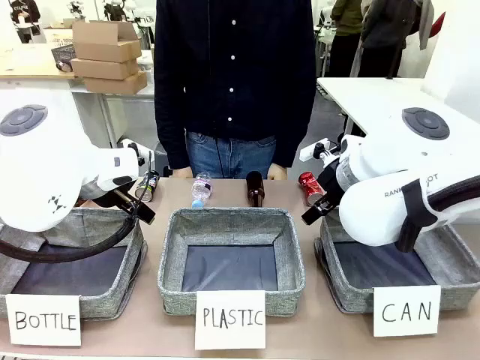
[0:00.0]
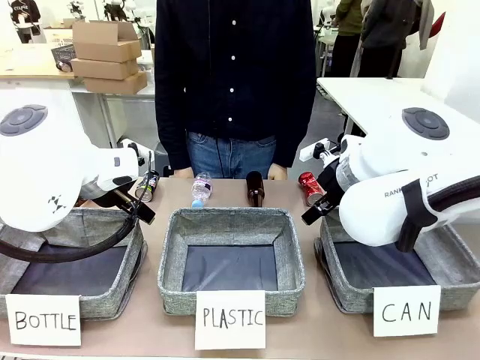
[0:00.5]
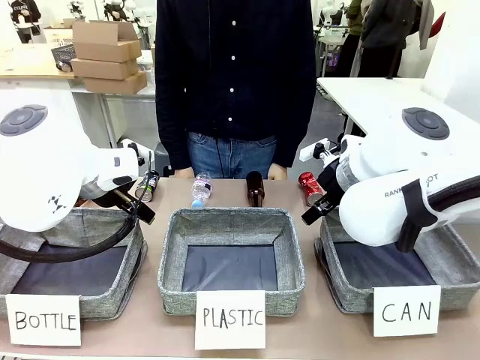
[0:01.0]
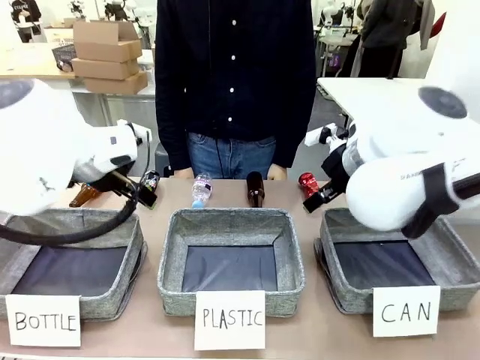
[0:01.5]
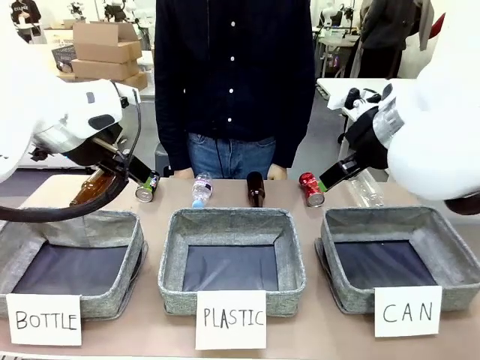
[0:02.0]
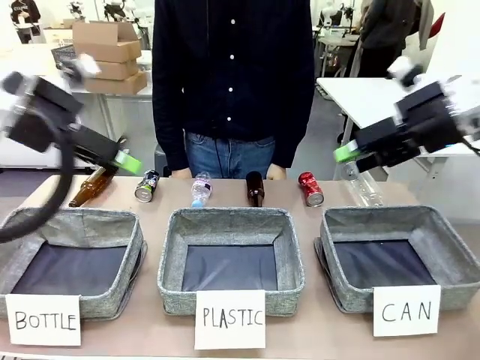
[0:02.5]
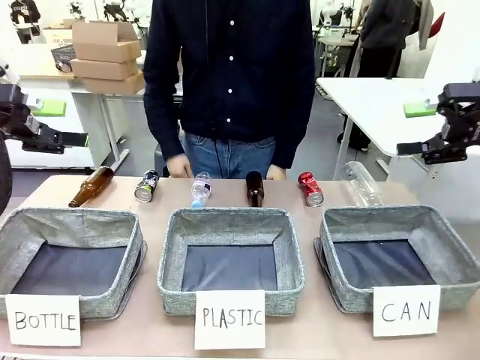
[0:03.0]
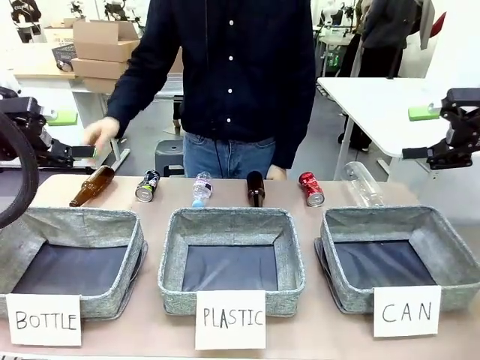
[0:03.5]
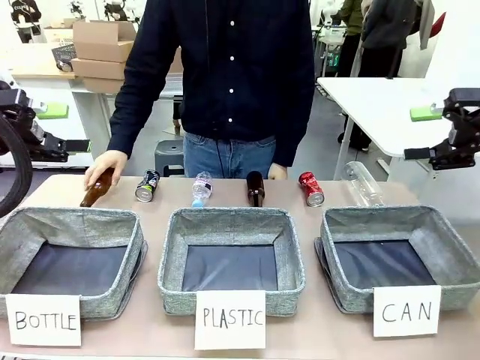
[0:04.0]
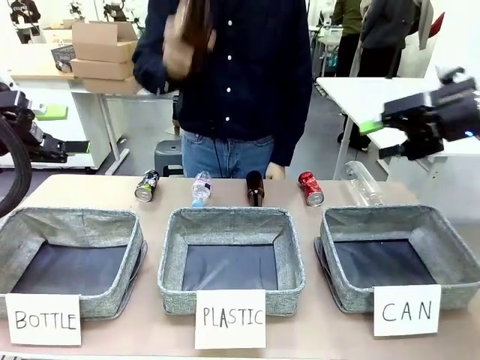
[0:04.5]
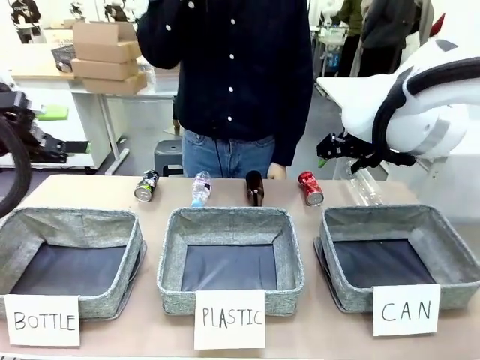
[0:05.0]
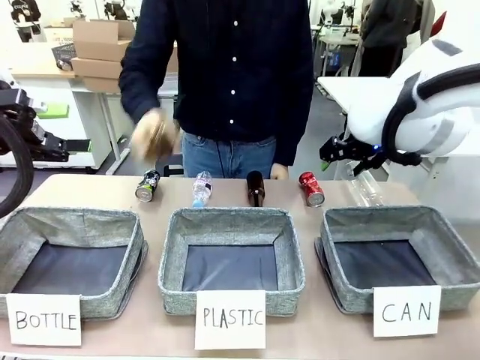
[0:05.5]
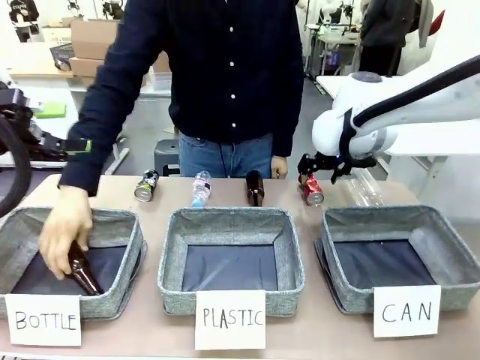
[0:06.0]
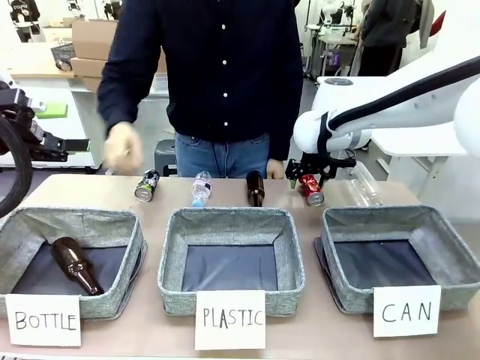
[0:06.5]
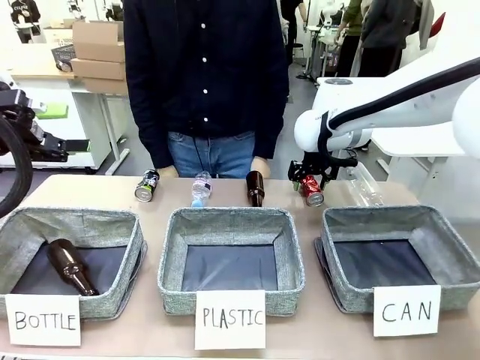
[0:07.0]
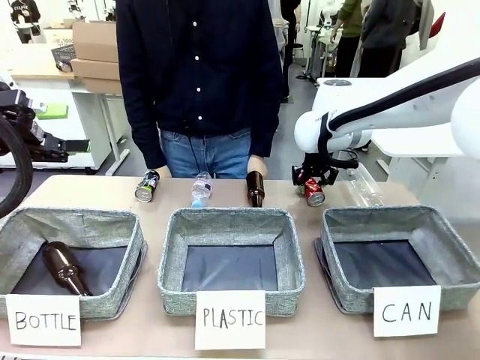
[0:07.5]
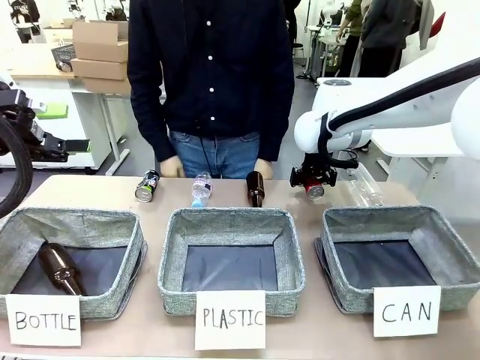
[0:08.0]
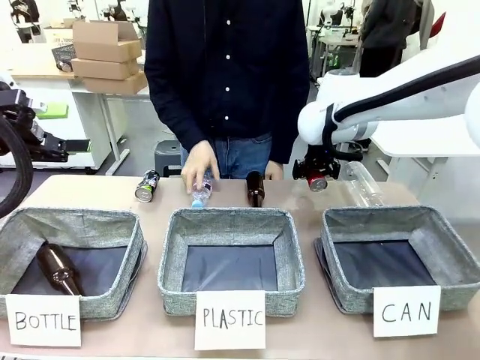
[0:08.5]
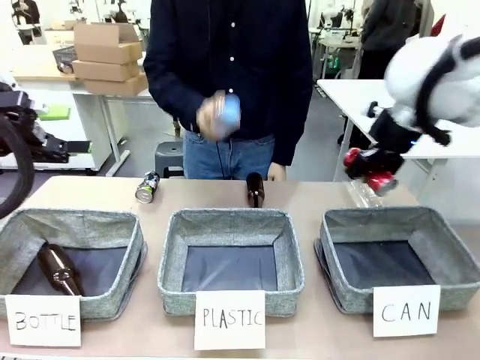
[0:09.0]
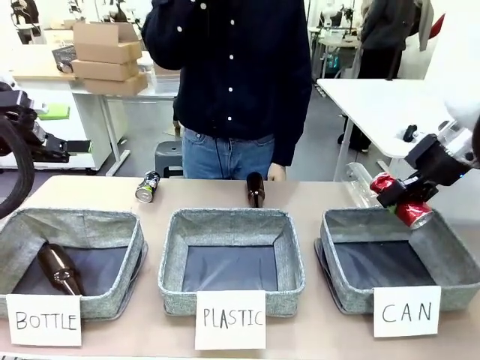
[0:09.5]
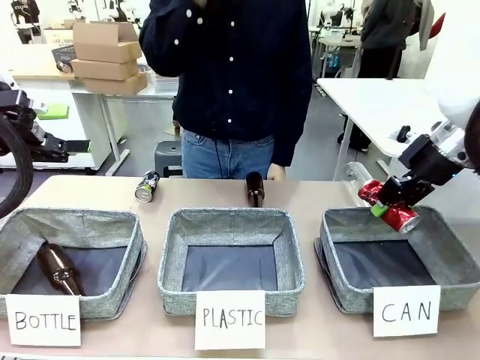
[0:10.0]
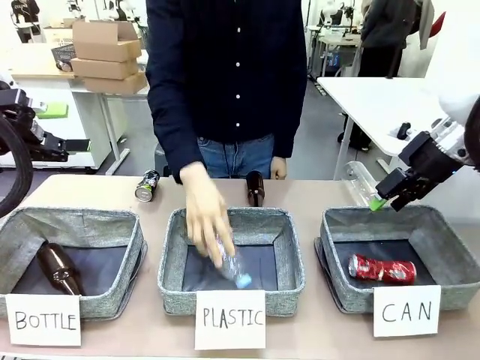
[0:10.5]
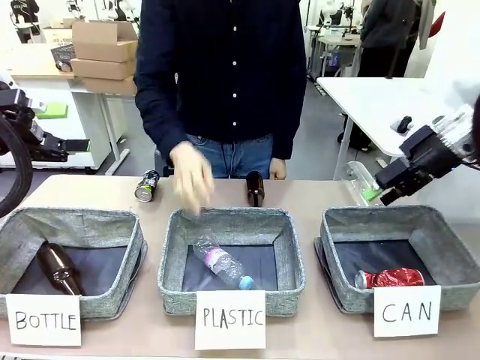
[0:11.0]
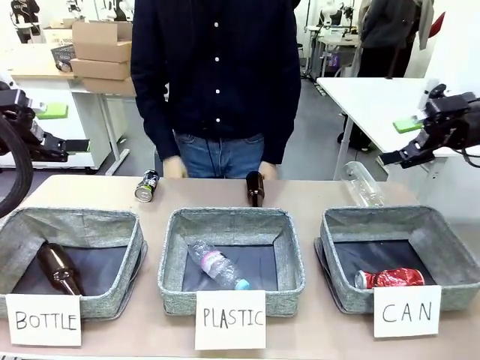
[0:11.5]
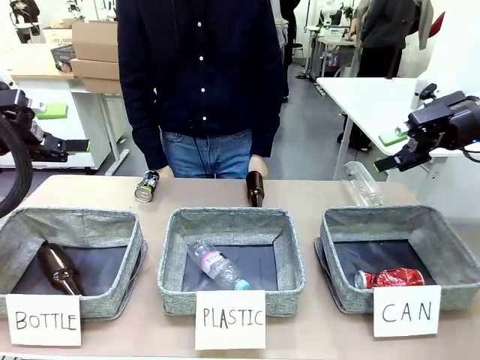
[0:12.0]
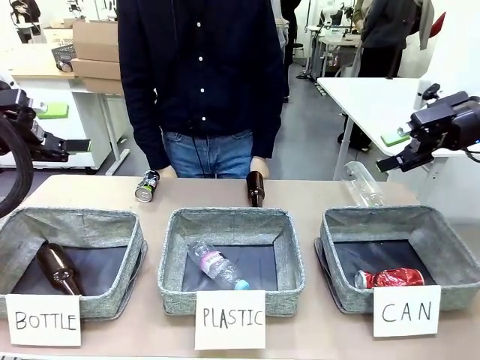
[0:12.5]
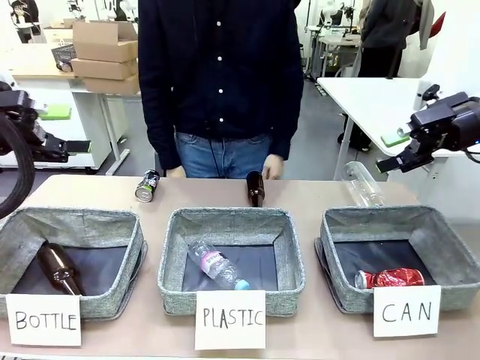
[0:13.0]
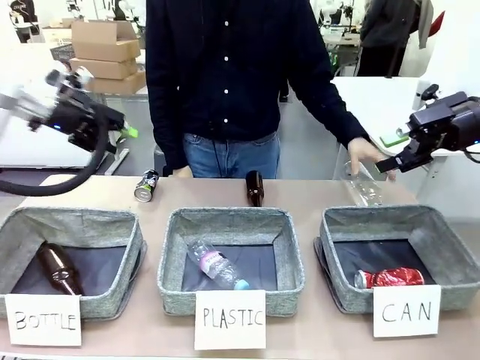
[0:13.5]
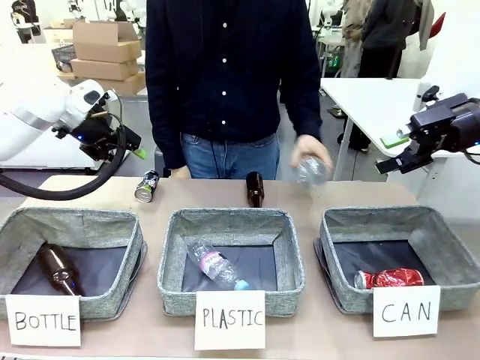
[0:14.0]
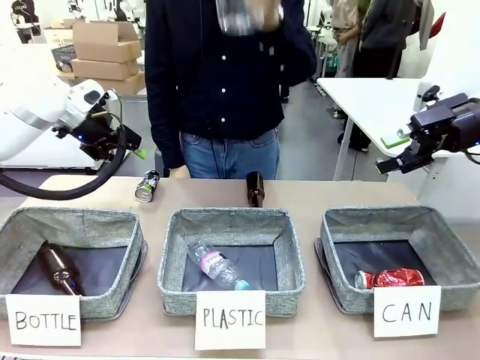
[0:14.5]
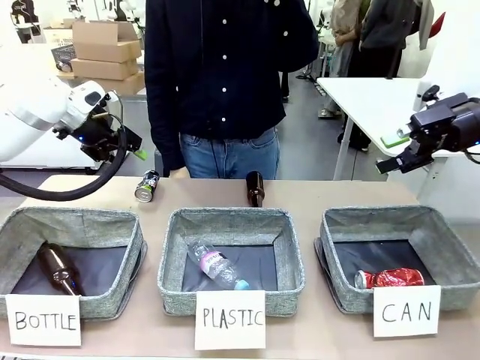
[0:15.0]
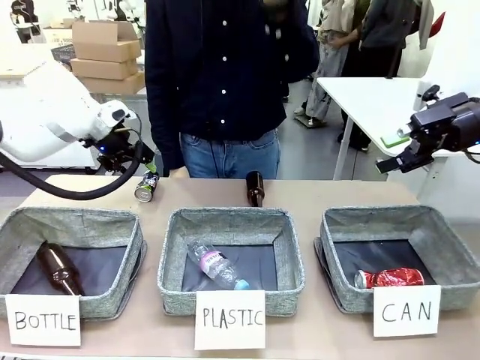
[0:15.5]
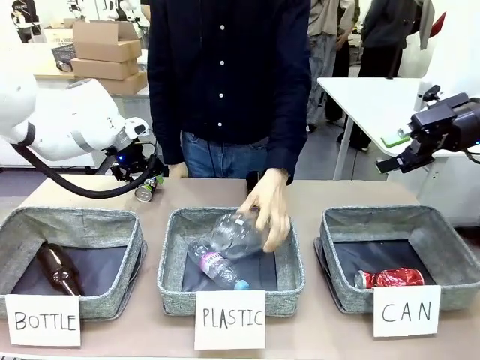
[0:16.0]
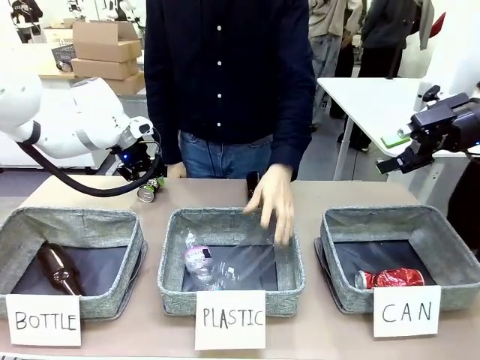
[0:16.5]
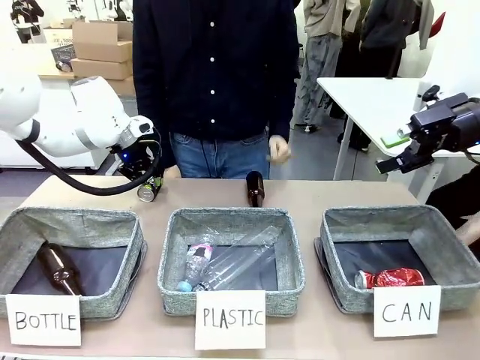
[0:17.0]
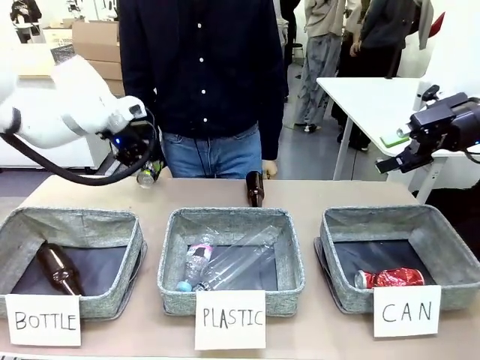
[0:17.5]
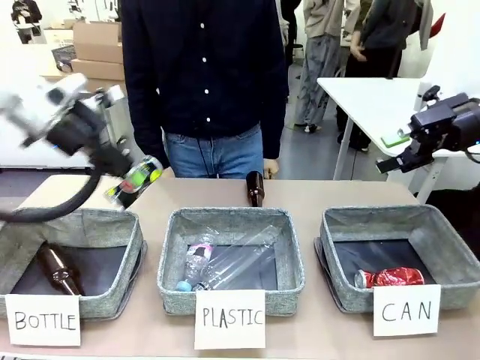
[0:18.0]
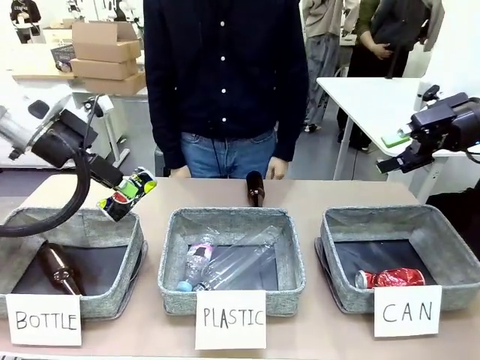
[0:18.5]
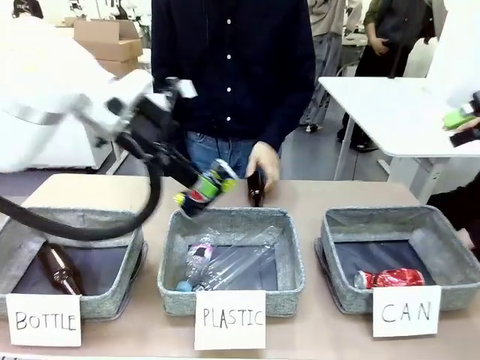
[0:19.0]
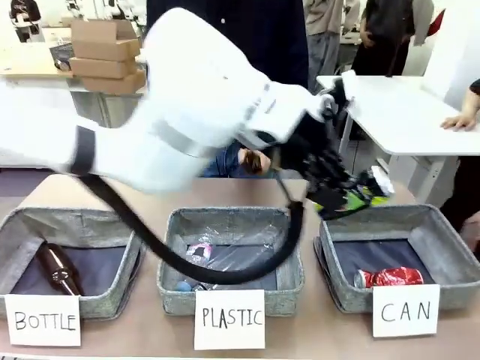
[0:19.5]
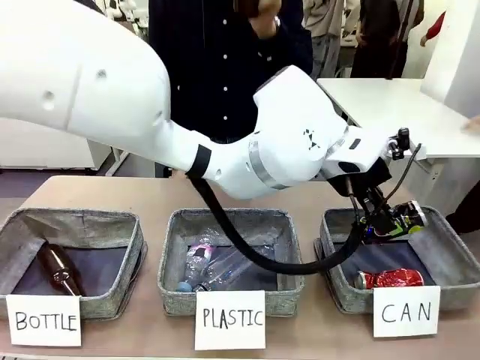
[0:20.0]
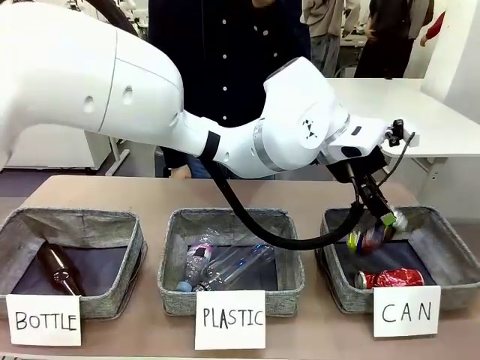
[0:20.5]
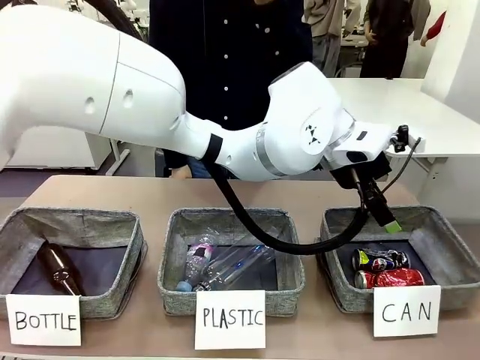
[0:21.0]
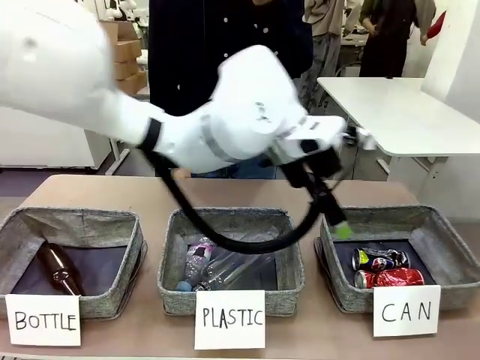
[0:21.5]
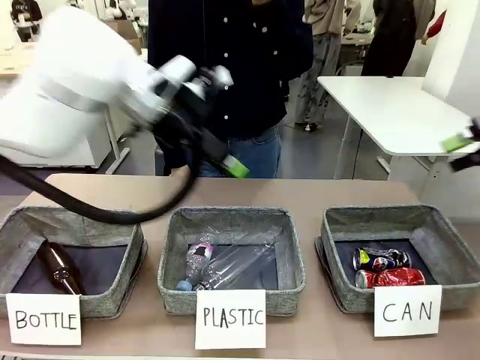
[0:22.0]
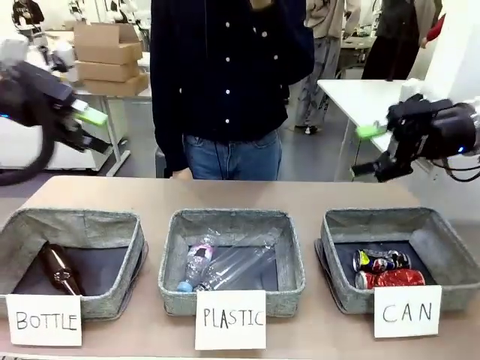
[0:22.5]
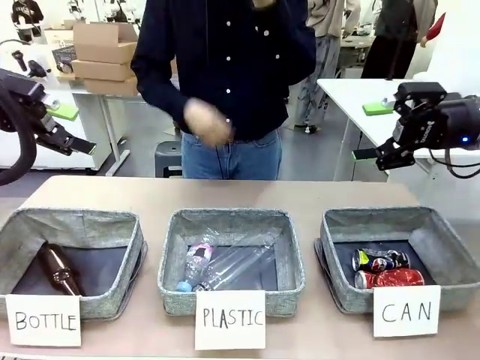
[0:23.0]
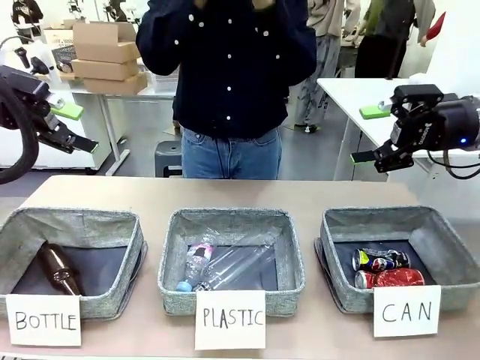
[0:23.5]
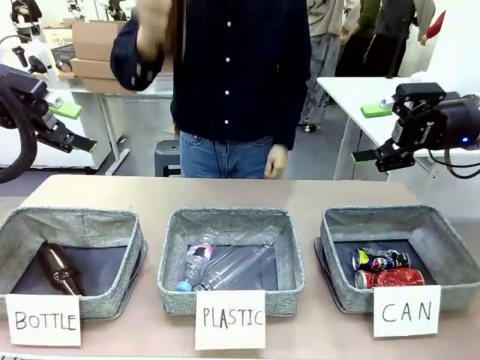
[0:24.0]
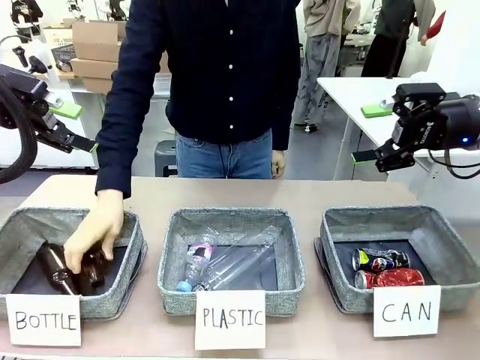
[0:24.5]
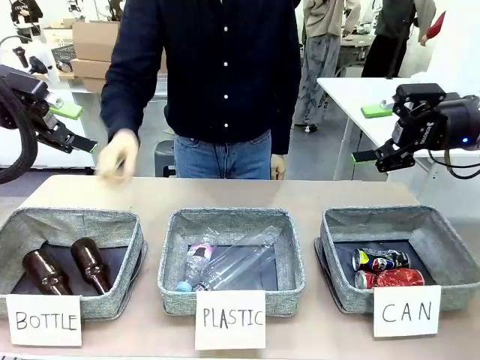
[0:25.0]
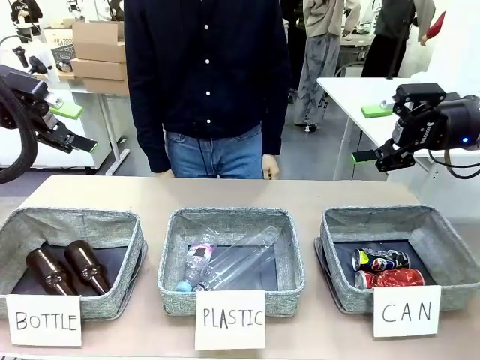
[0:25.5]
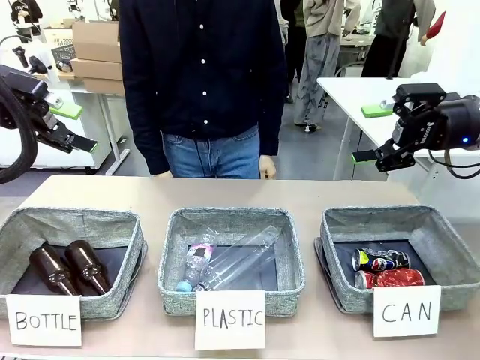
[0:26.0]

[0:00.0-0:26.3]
Task: Sort the can waste into the basket.
Robot: Pick up the can waste from the table and place it in the right Fabric basket.
Person: The human picks up one piece of trash that is not a can and places the trash into the appropriate organizing basket.
